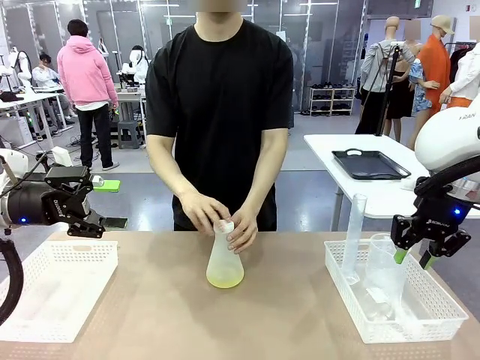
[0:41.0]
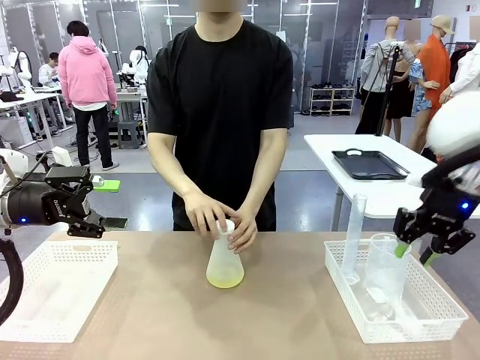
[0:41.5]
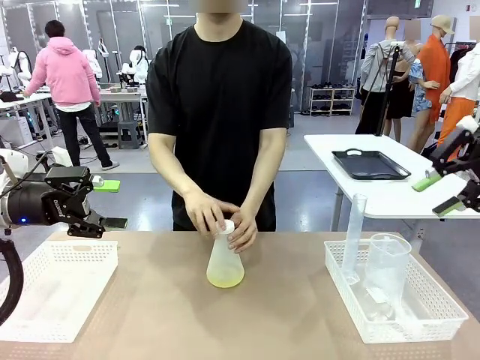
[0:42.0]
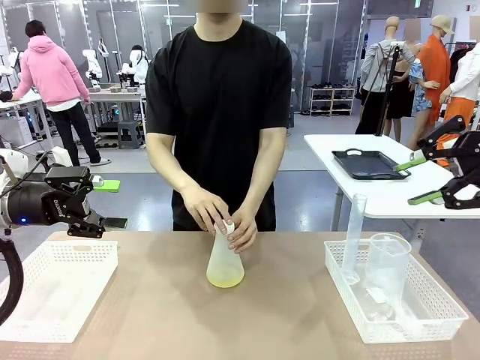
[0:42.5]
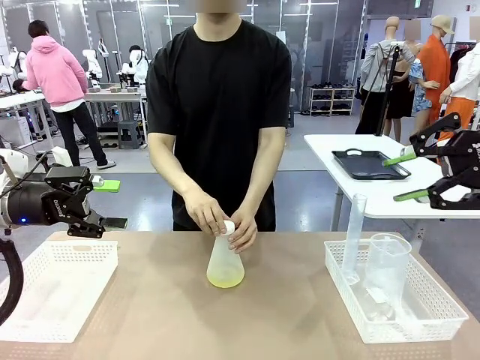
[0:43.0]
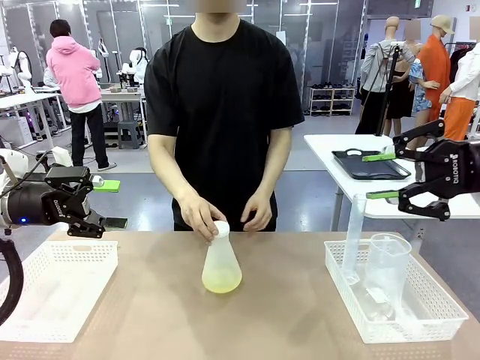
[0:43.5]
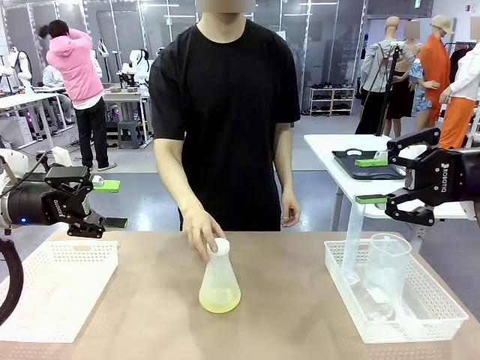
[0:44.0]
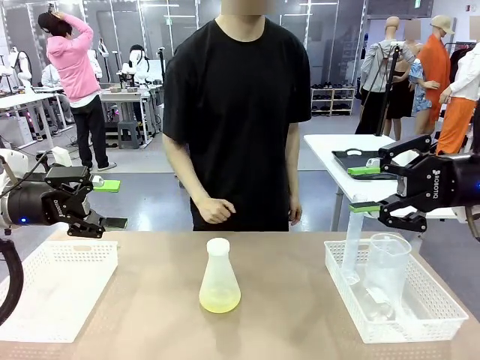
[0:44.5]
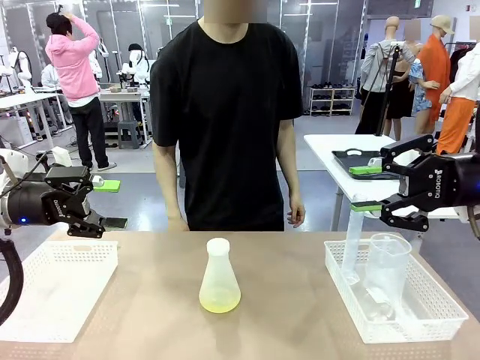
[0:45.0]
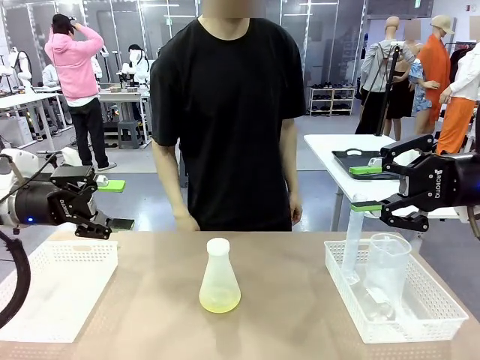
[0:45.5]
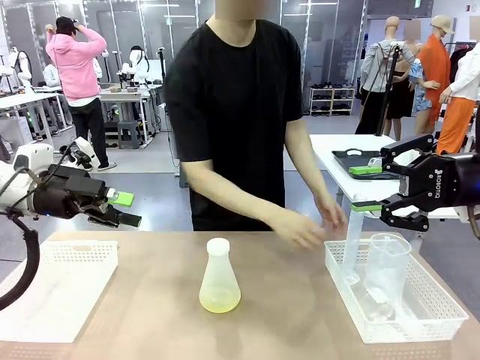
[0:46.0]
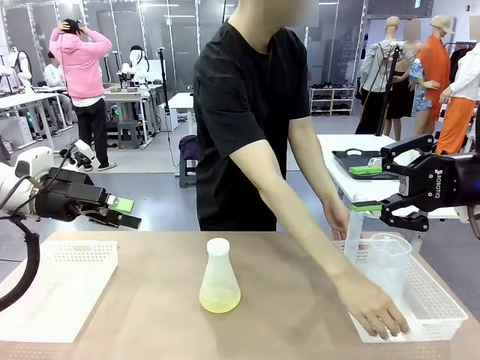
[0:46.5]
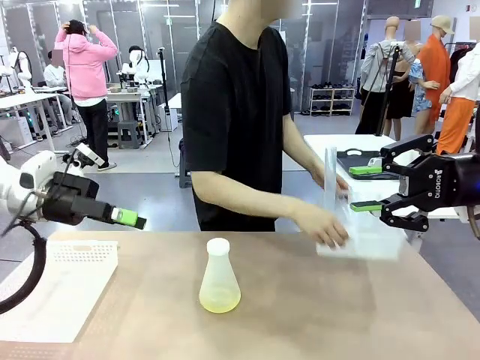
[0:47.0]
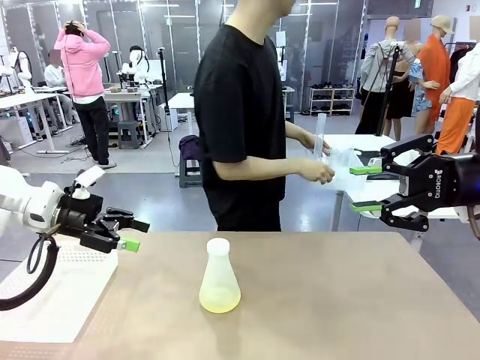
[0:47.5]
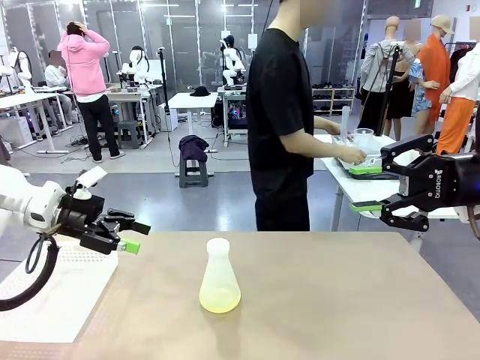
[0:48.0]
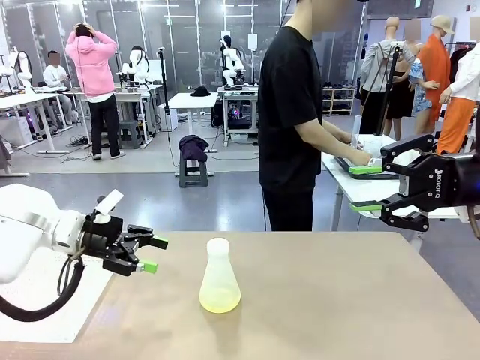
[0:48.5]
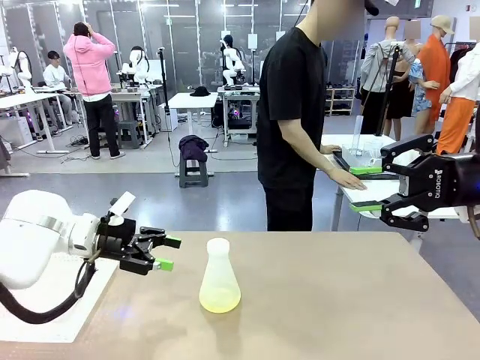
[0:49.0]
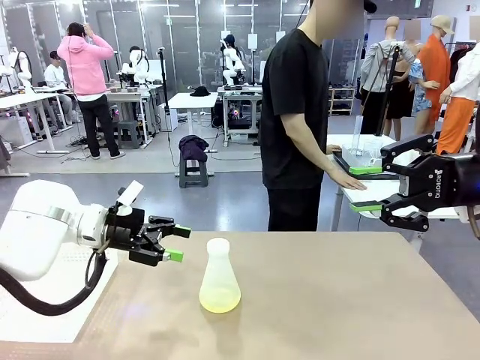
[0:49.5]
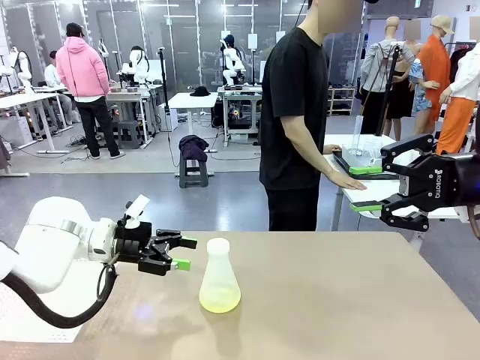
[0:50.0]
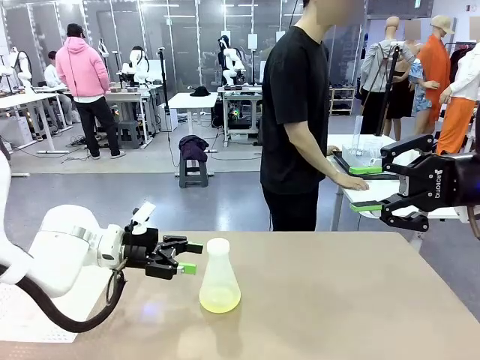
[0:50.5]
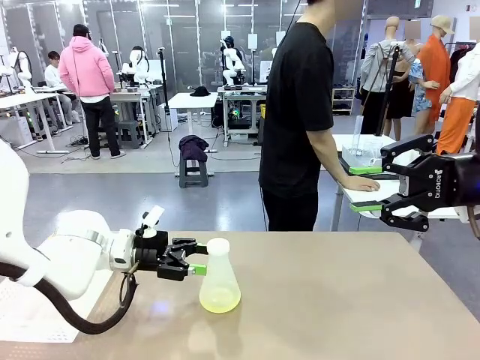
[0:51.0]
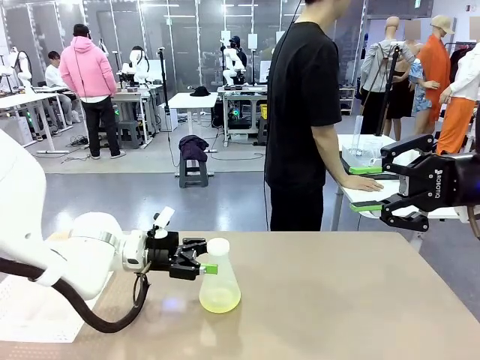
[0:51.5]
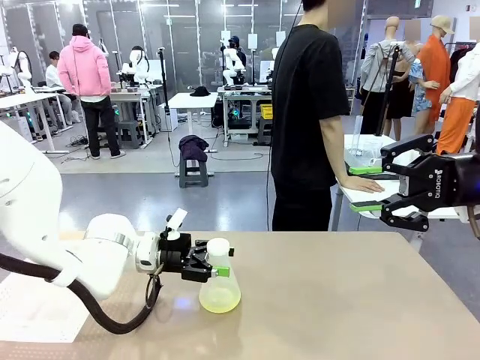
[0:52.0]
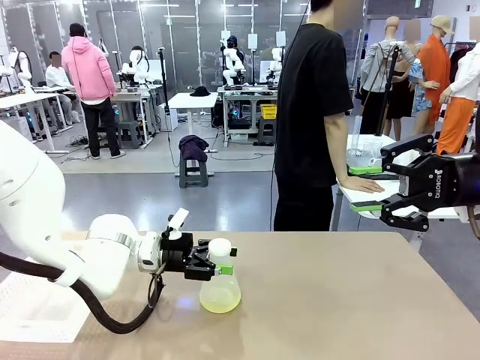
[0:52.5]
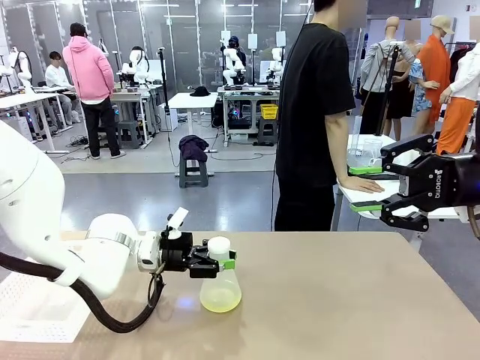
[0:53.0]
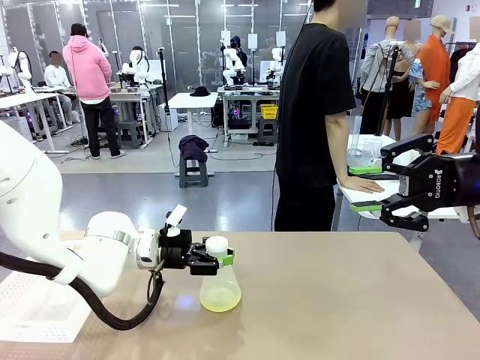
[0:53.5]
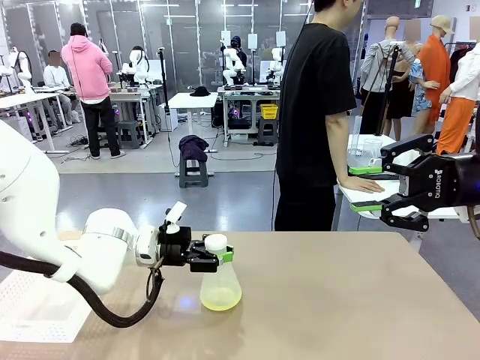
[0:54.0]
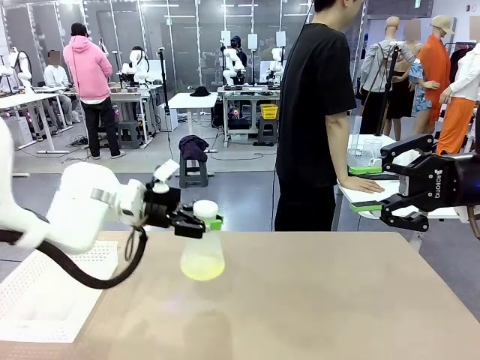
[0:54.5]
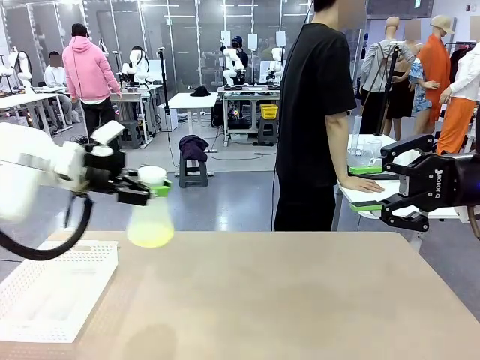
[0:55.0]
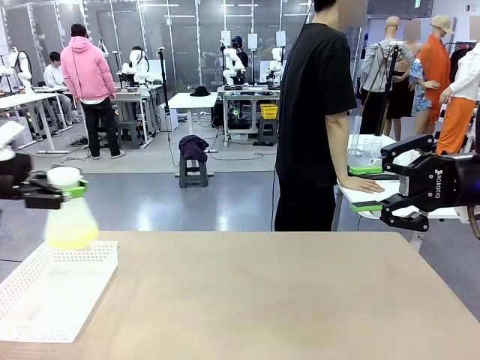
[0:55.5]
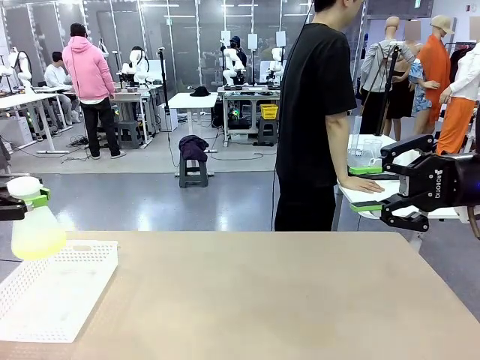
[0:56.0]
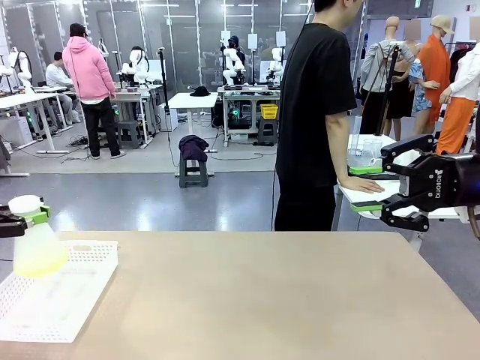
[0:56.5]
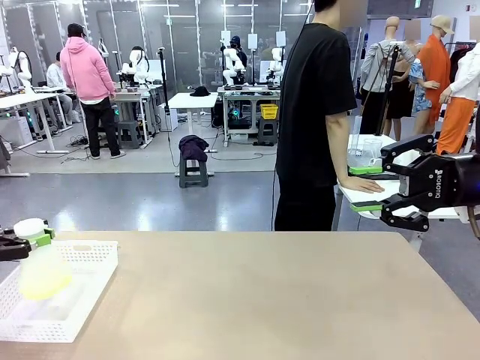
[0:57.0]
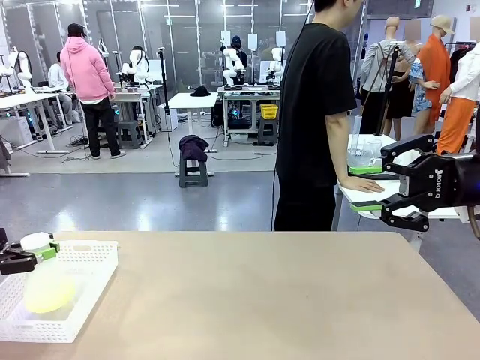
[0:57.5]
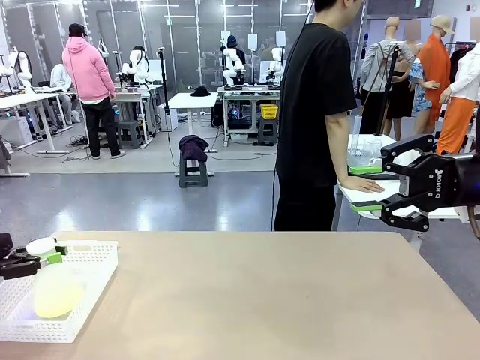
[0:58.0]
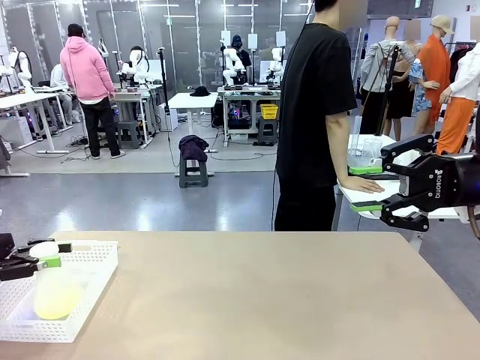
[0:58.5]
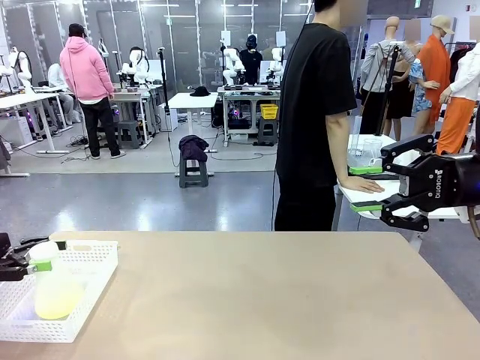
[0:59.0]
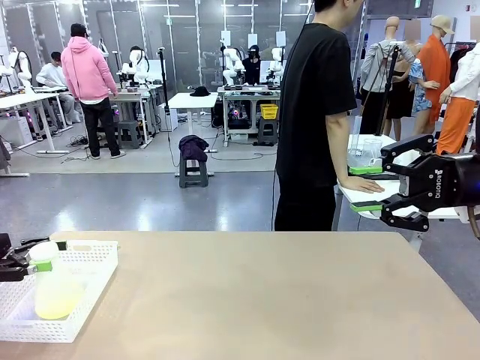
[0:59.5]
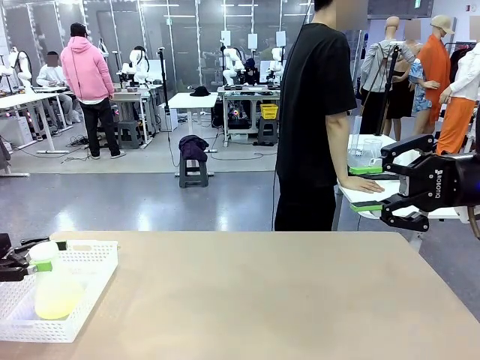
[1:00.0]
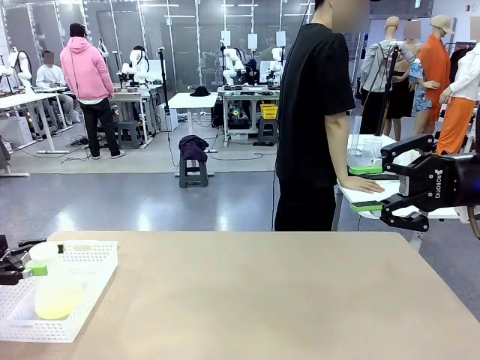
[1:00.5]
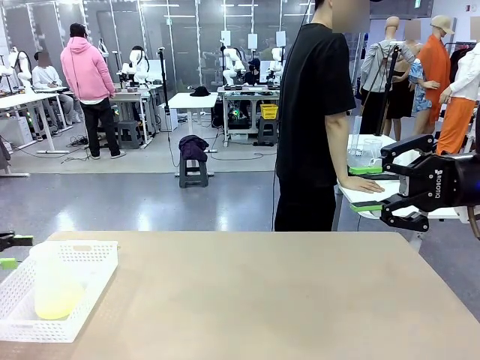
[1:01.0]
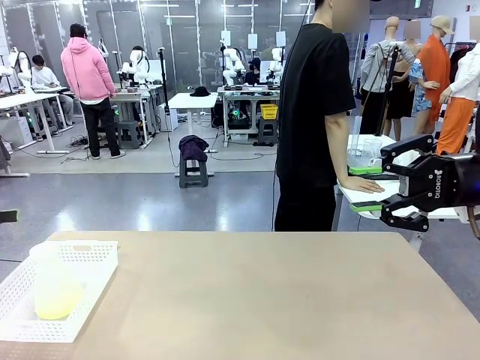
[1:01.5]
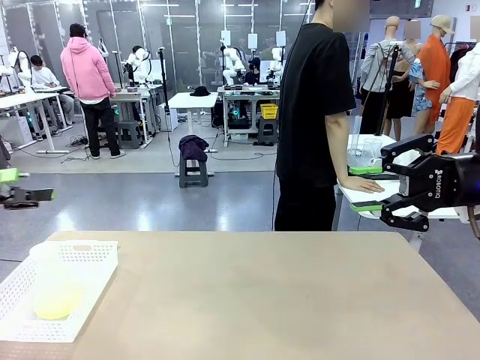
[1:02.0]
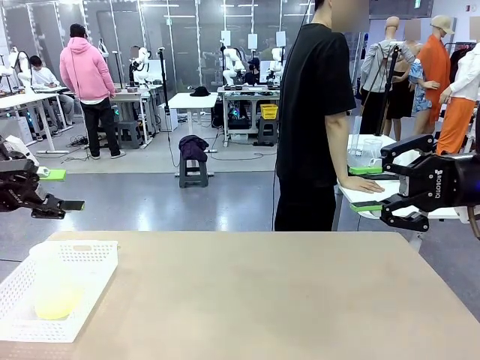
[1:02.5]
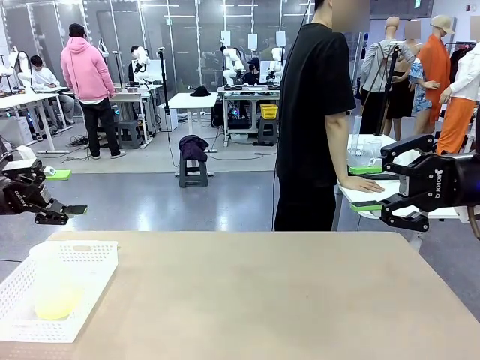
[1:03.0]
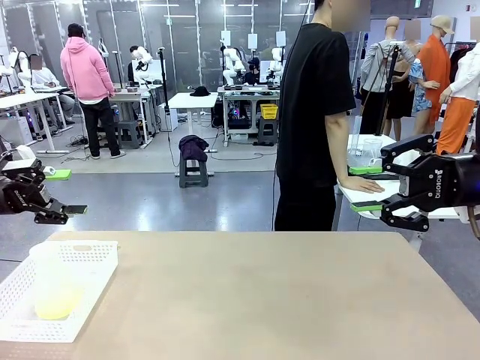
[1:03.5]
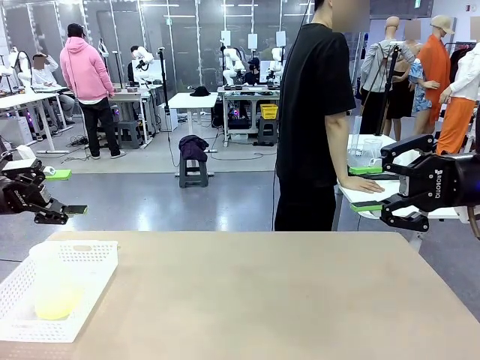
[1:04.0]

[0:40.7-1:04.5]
Task: Prepare the solutions needed for the experiment.
Robot: When the human places the Big flask in the center of the table, pick up the Big flask and place it in the left Organizing basket.
Person: Pick up the organizing basket on the left side of the robot table and place it on the left side of the human table.
